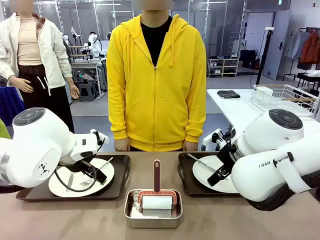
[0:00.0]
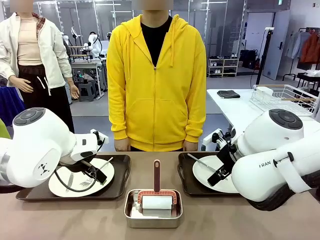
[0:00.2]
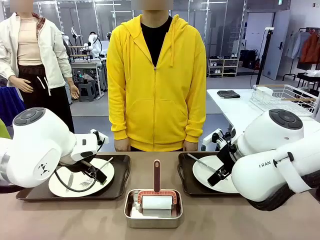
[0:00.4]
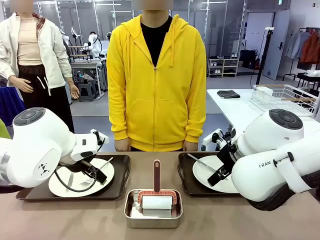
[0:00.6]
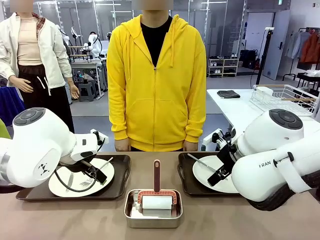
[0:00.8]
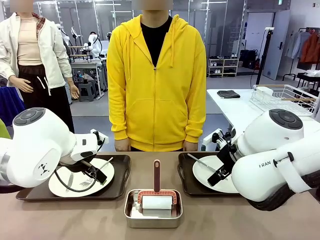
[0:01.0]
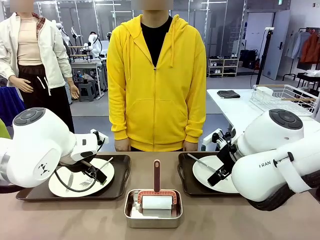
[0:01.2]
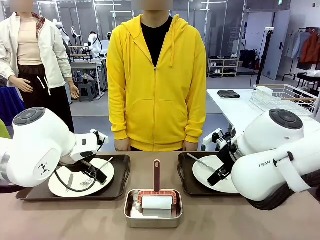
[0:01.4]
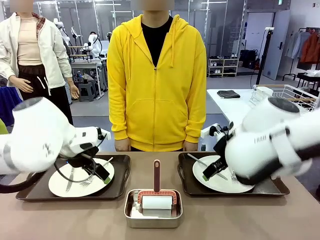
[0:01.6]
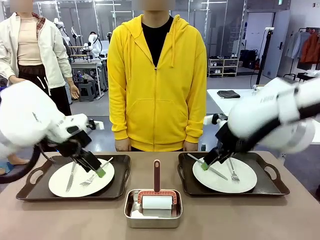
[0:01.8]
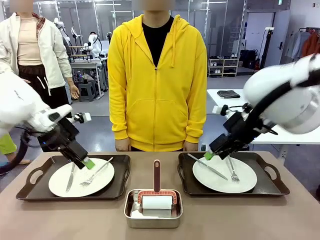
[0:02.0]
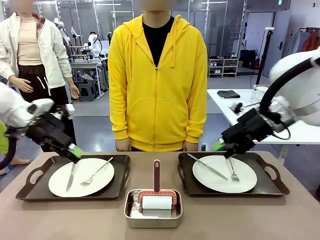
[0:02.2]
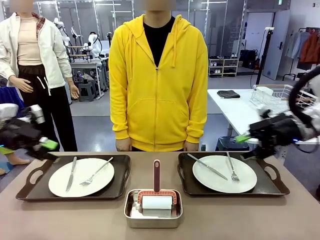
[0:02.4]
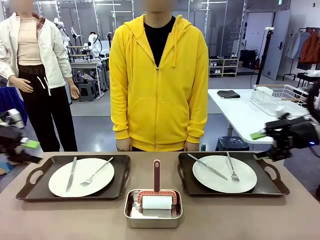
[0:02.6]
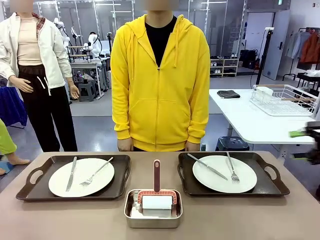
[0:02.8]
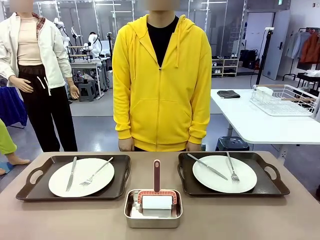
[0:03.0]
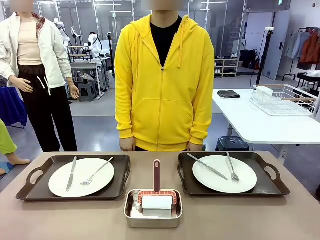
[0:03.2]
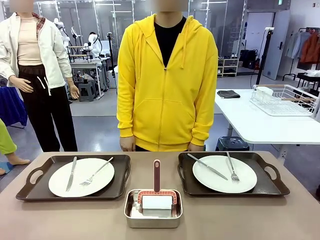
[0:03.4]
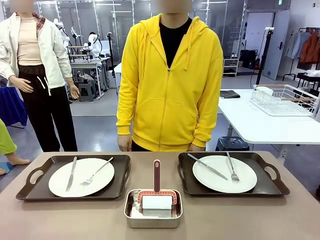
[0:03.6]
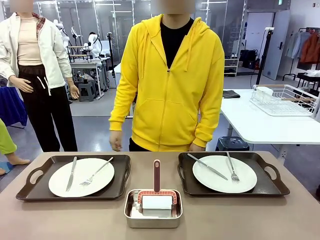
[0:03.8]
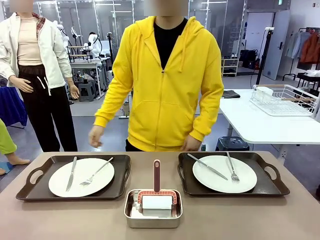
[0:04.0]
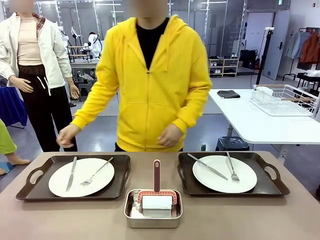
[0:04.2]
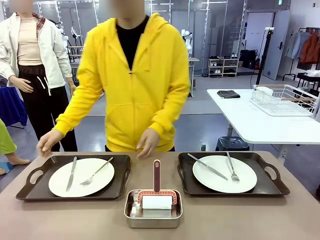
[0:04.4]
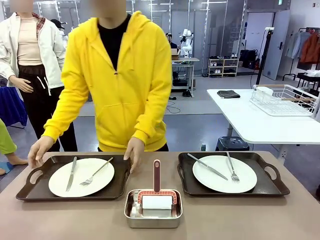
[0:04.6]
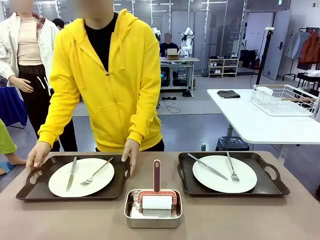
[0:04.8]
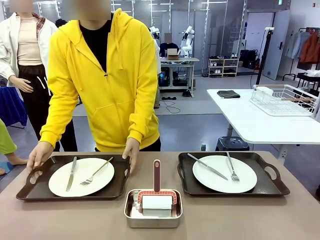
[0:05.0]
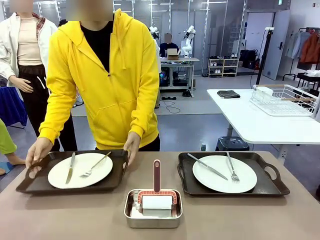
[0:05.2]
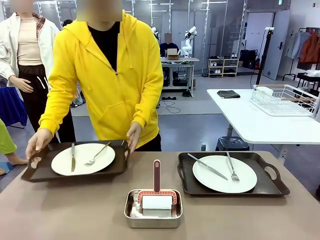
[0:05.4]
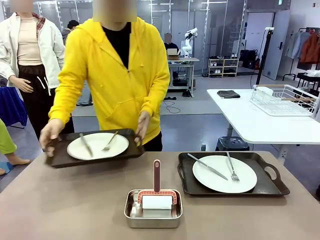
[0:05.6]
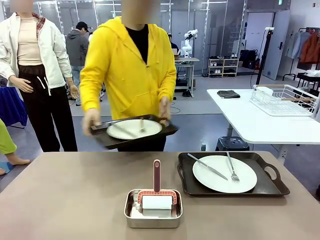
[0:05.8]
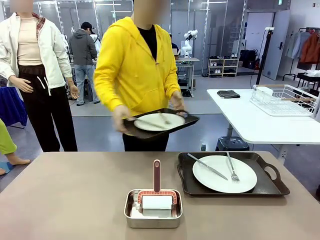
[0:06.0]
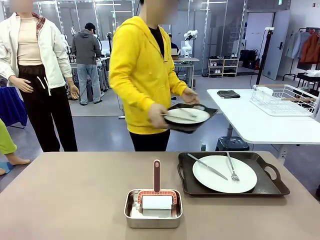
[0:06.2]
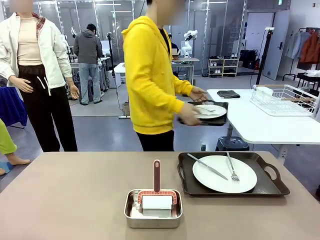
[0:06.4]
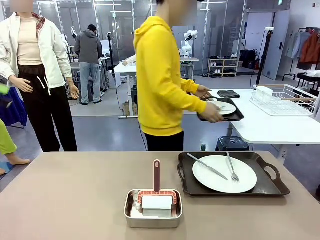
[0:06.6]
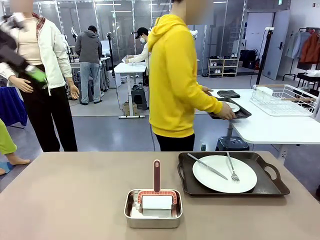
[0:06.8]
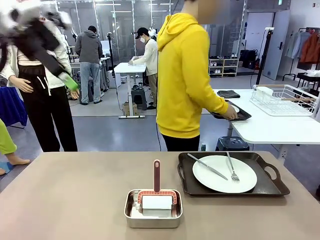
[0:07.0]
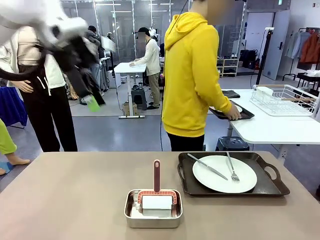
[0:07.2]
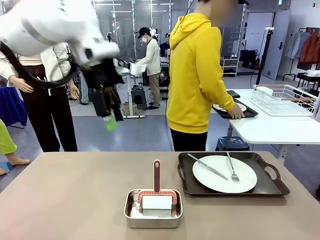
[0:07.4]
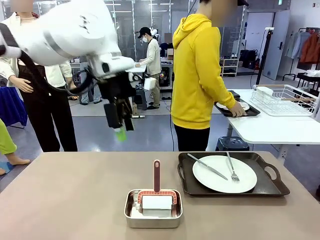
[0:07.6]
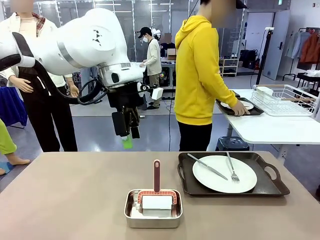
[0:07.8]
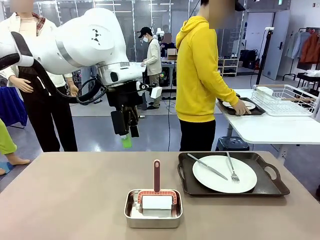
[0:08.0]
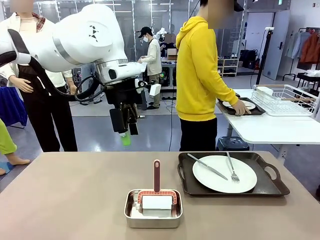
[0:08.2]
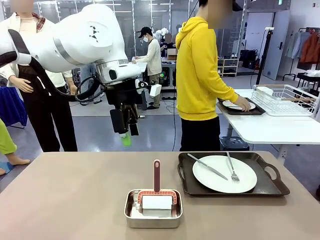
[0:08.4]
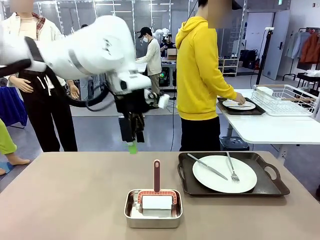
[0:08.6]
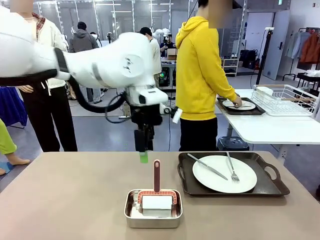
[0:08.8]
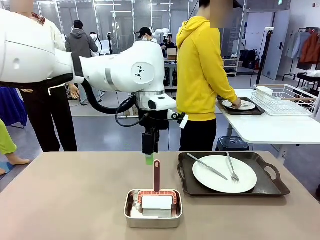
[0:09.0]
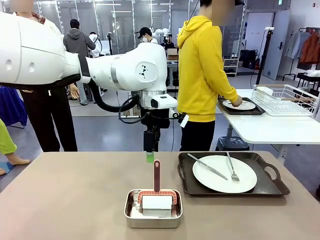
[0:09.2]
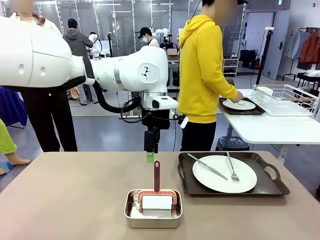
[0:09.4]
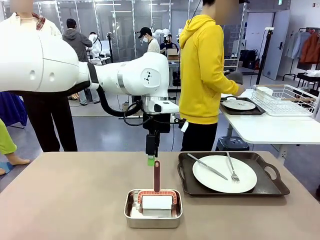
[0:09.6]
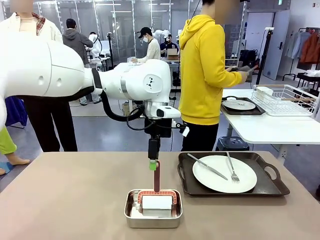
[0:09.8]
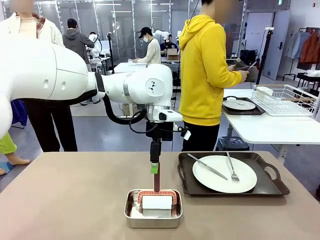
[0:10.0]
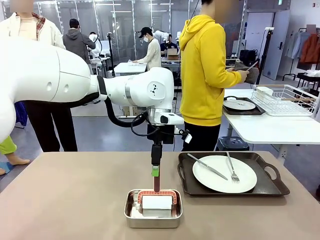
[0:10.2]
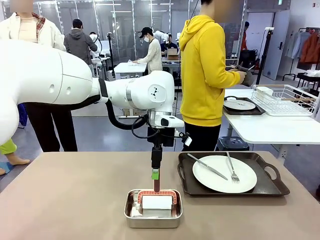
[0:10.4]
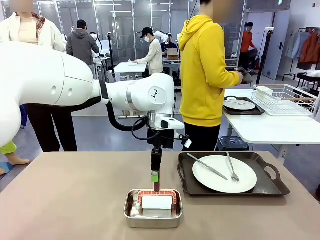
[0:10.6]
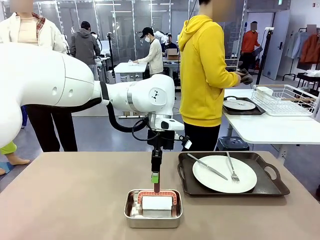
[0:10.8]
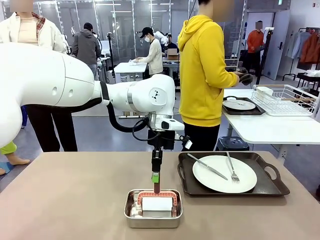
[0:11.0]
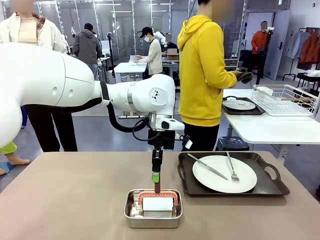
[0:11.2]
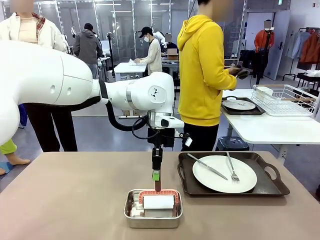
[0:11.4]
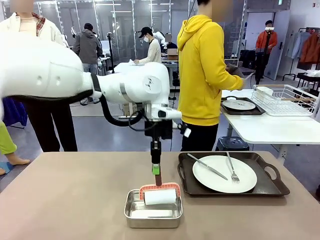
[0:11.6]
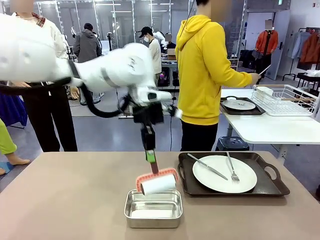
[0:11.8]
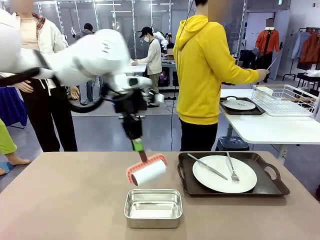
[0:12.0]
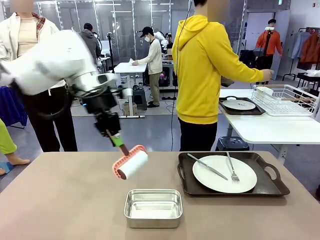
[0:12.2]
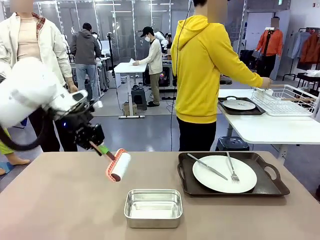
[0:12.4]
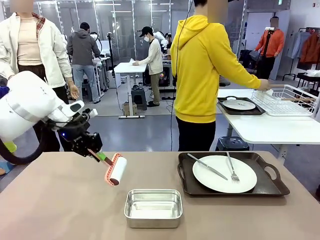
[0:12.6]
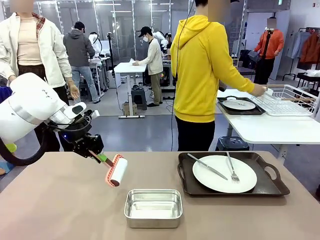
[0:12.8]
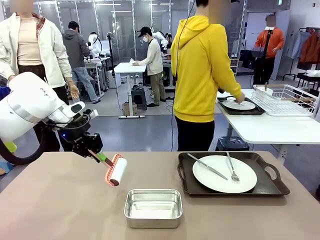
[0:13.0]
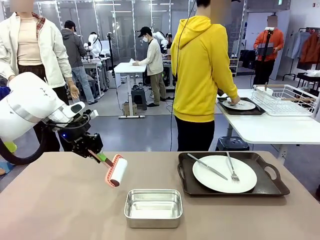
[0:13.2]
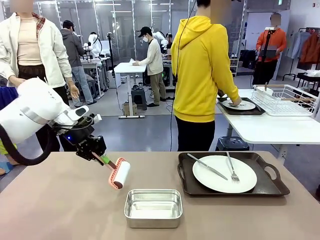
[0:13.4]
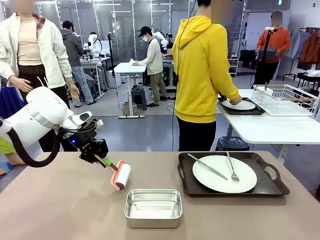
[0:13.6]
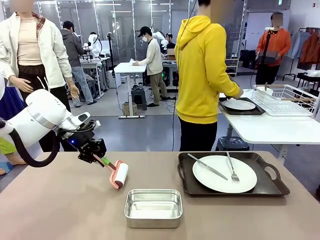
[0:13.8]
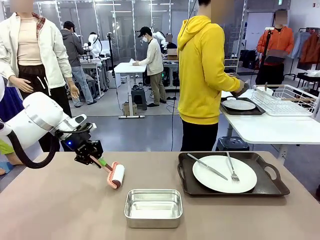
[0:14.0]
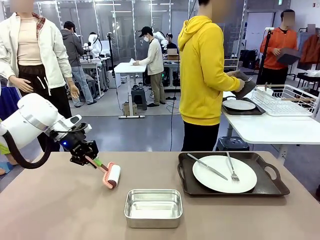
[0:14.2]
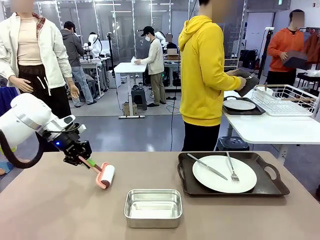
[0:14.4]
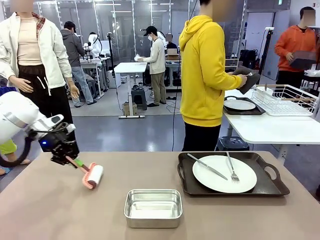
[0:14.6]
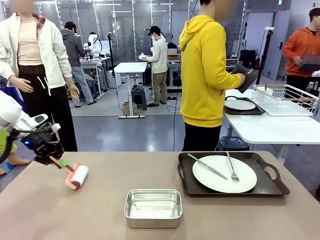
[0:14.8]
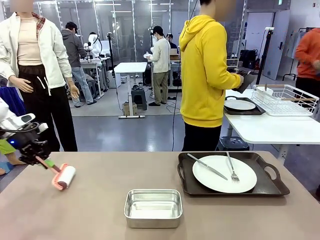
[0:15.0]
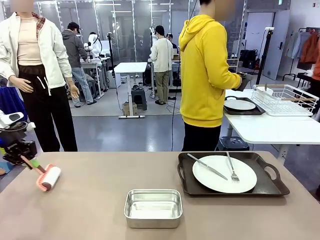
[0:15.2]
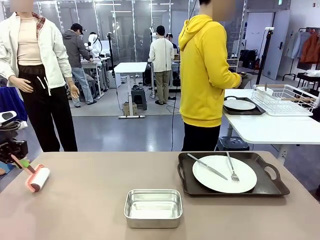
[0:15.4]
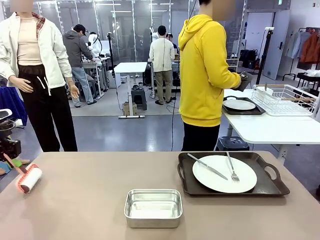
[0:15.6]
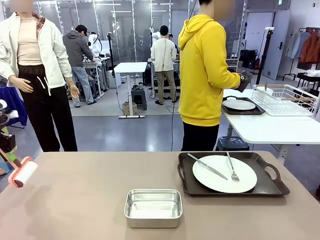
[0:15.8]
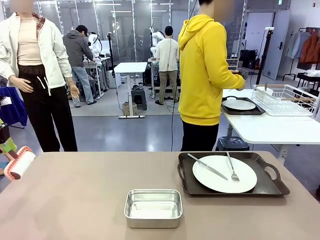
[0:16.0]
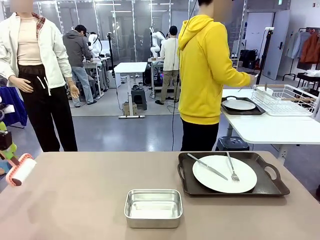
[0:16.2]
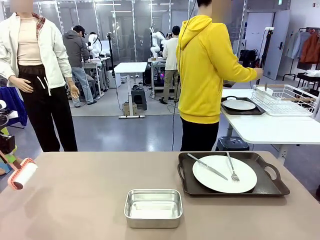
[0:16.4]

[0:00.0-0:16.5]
Robot: When the left (or right) Handle tray is removed, use the left hand (or right hand) to clean the left (or right) side of the table with the Lint Roller.
Person: Pick up the left (or right) Handle tray and place it on the middle of the Human's table. Use the Towel with hook to wipe the Plastic Matte Plate , Fork , and Knife and place into the Dish drying rack.

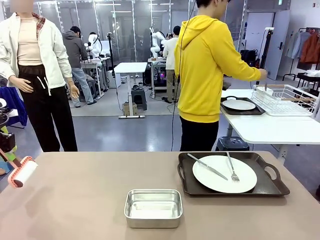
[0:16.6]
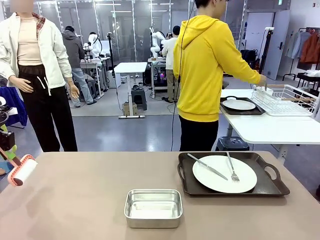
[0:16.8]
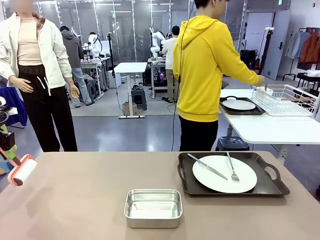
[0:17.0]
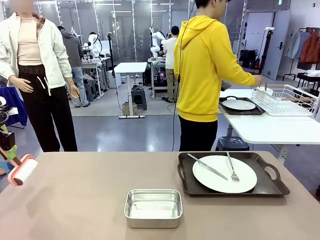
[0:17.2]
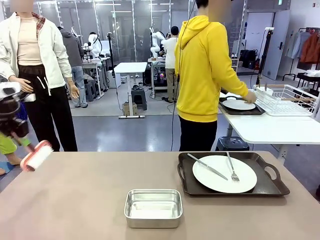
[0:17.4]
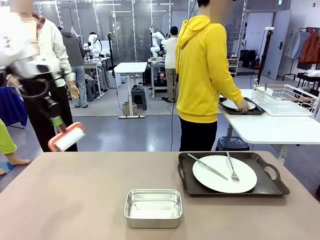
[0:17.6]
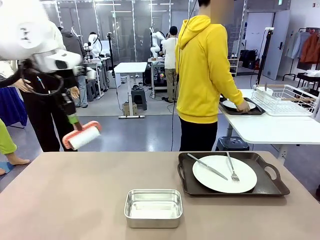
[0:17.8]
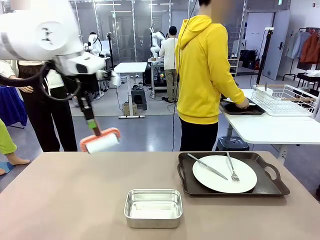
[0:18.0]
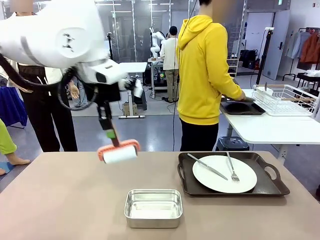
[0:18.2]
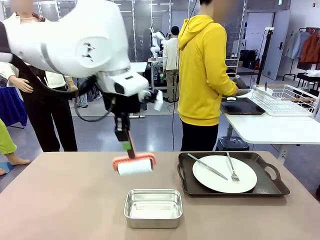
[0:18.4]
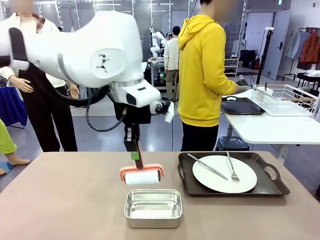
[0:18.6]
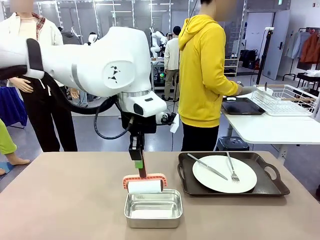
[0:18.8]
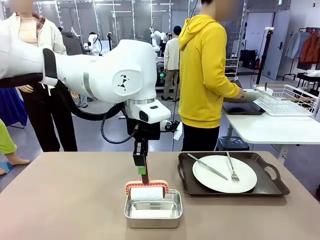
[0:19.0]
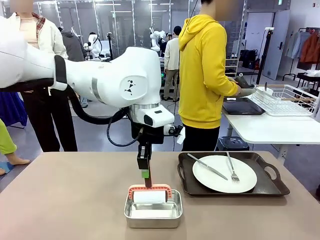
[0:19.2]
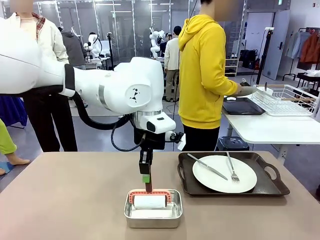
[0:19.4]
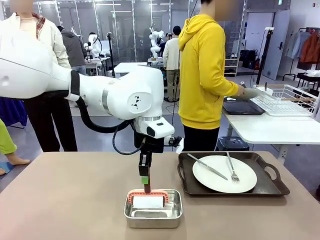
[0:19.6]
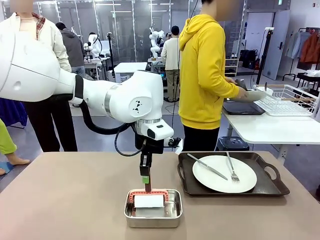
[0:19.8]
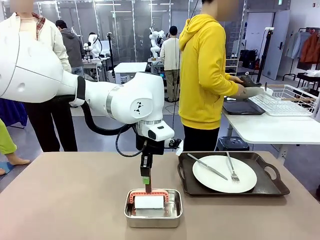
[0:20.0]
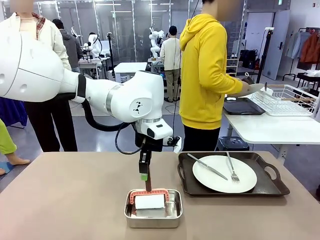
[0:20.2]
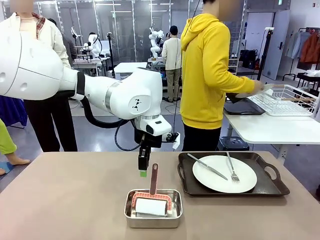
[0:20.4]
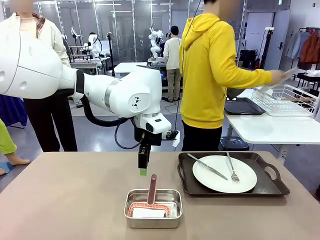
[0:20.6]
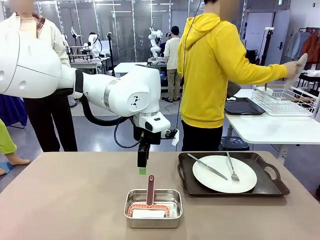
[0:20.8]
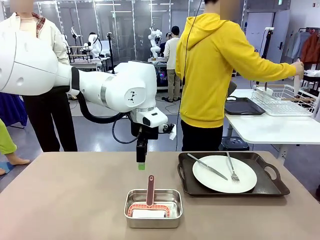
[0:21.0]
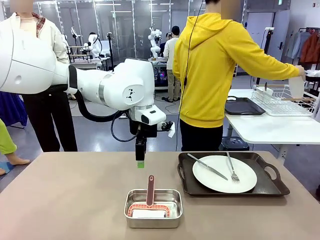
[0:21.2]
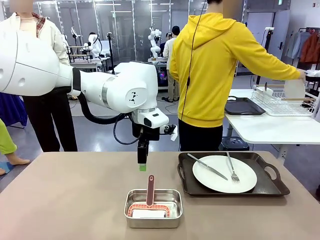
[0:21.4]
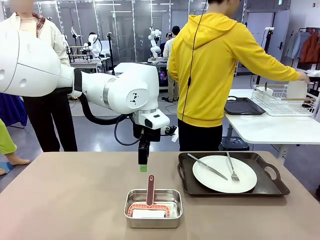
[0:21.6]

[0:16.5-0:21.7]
Robot: Place the Lint Roller back on top of the Airtight Container.
